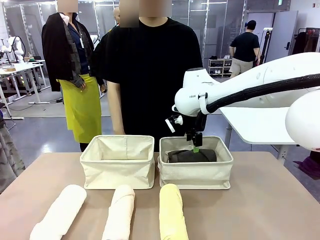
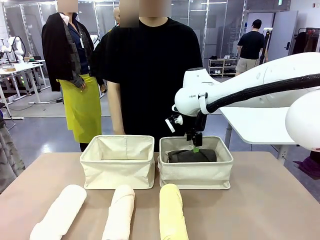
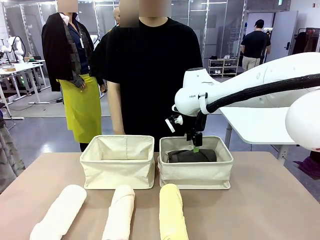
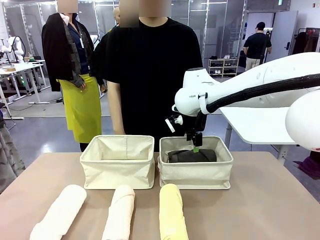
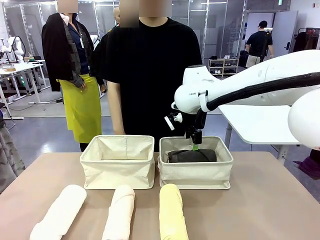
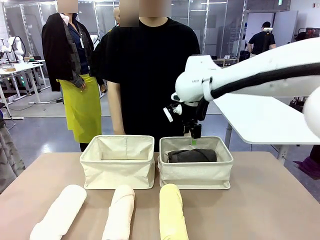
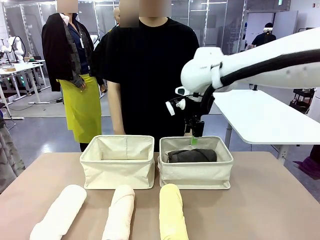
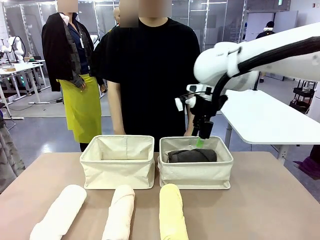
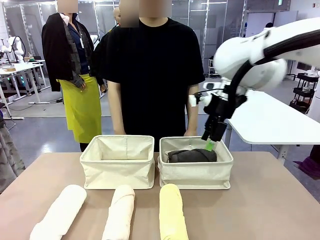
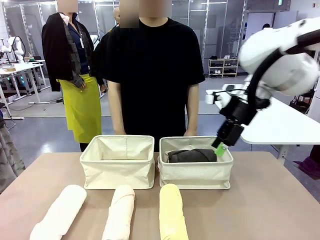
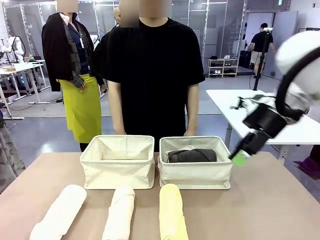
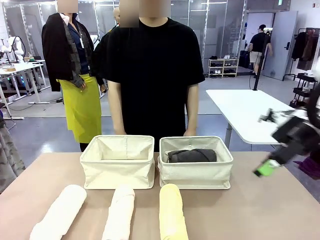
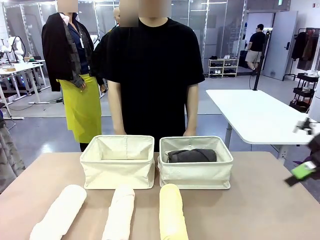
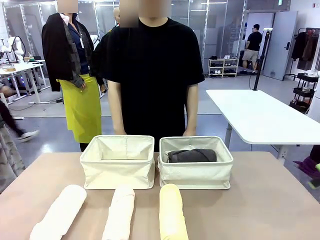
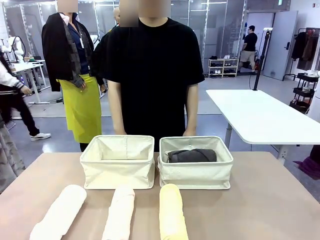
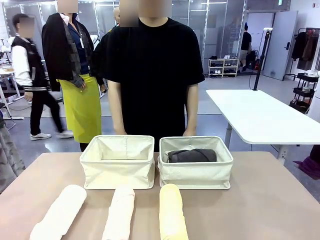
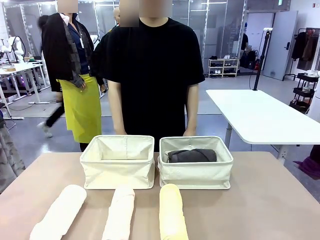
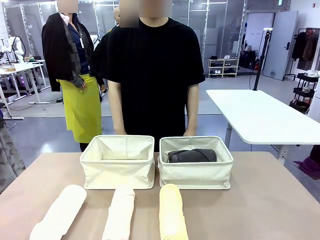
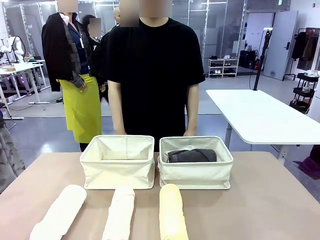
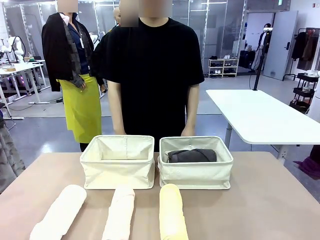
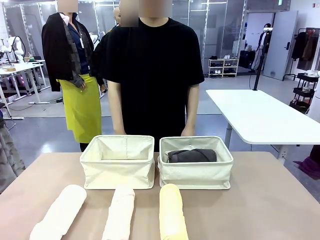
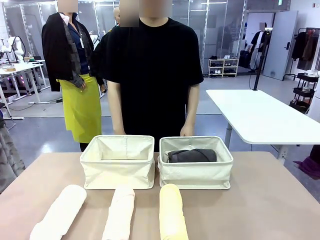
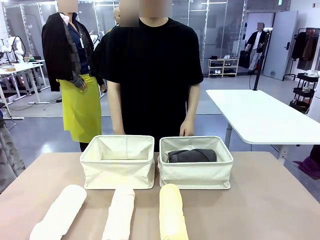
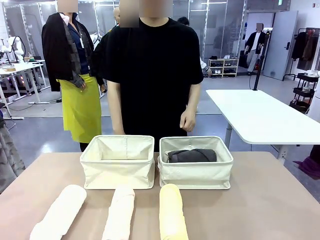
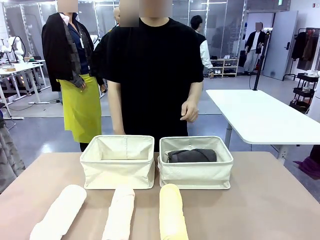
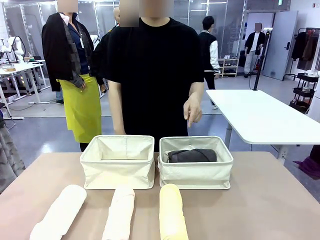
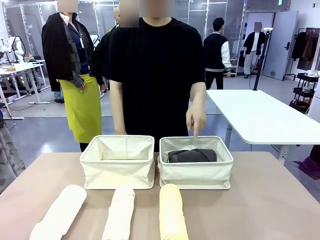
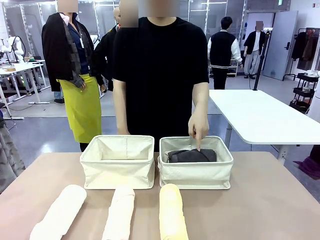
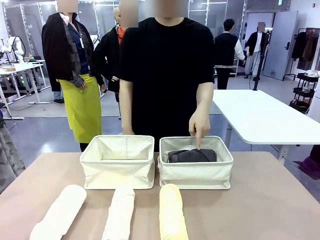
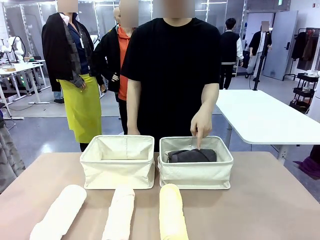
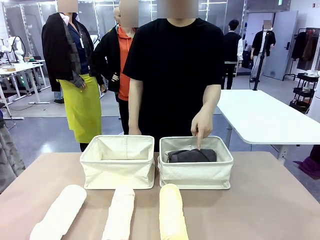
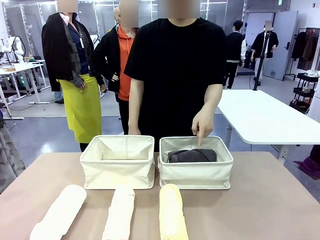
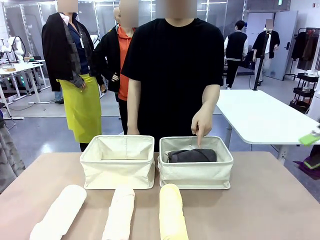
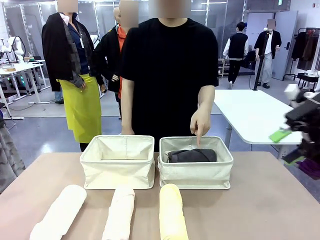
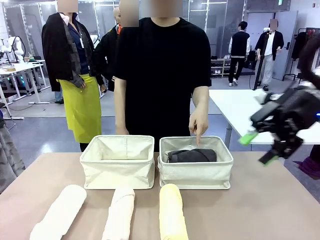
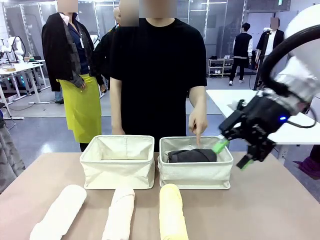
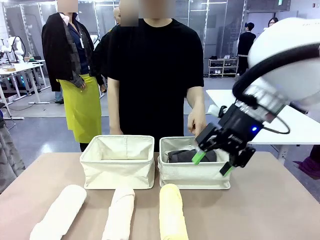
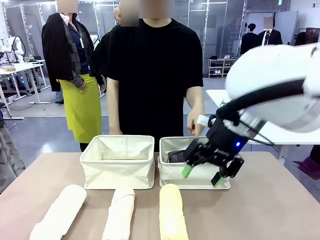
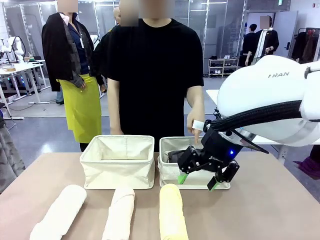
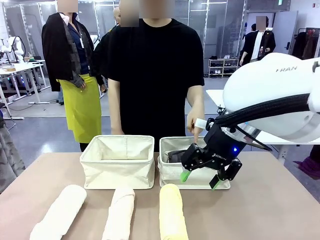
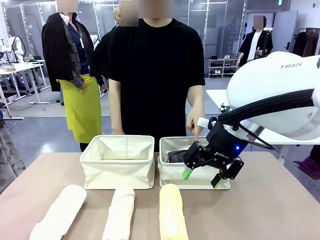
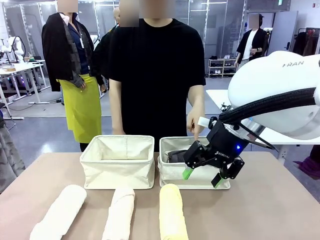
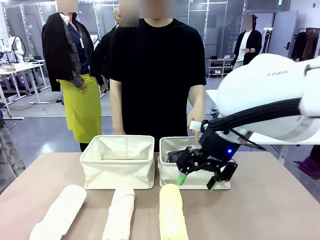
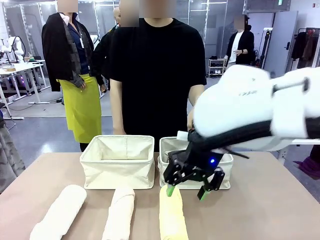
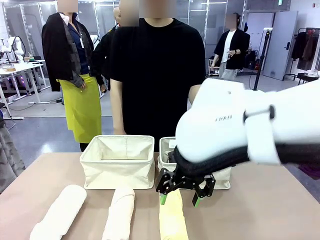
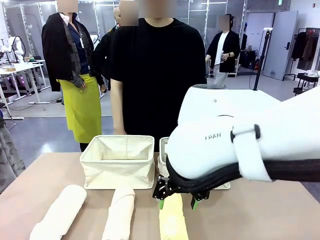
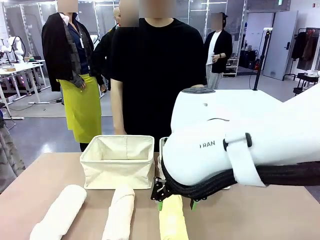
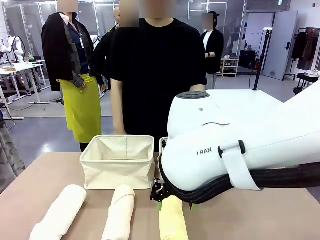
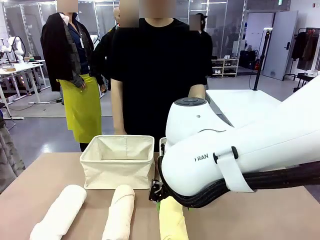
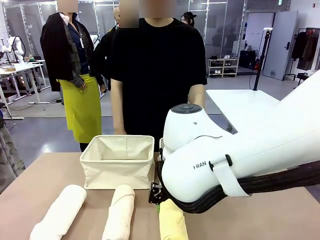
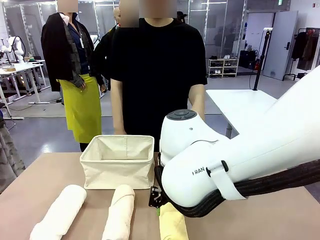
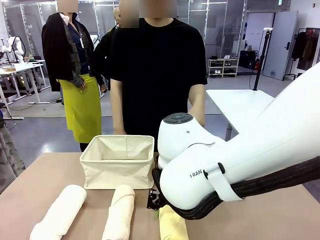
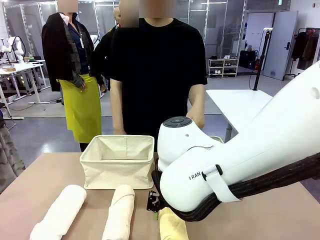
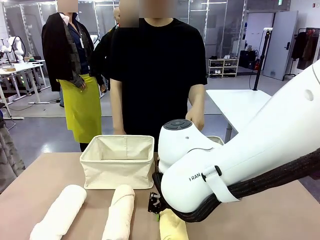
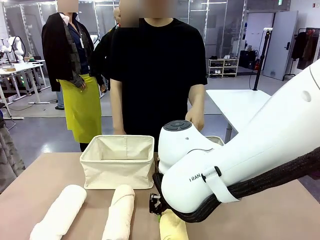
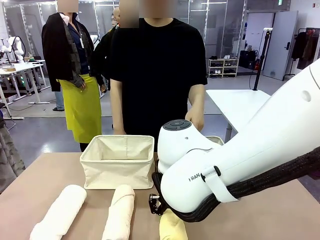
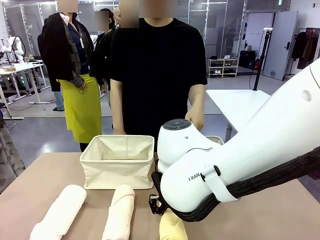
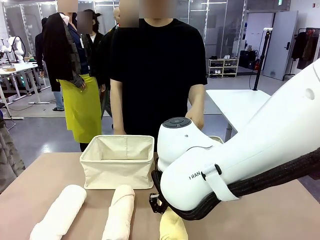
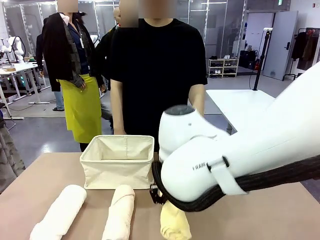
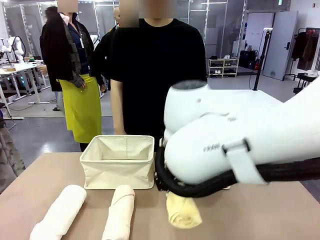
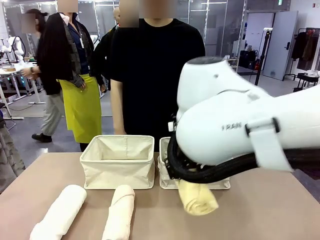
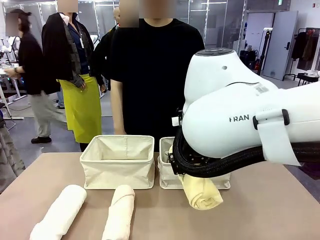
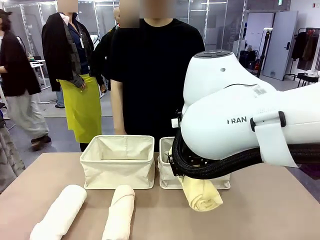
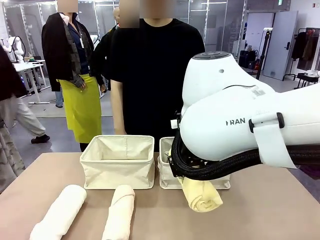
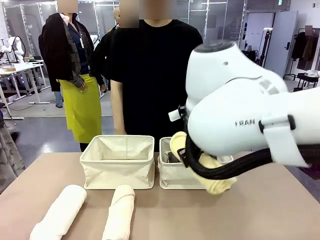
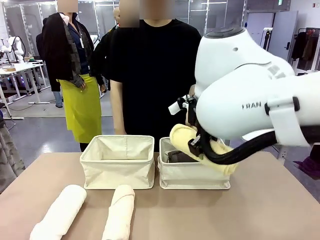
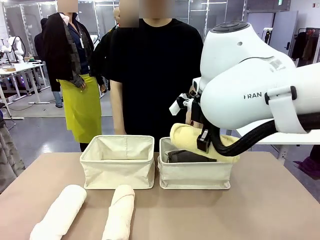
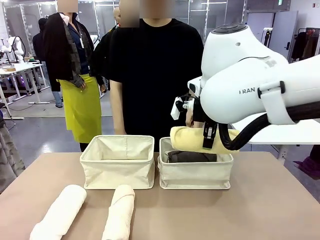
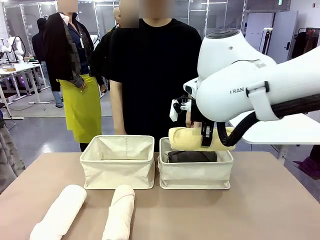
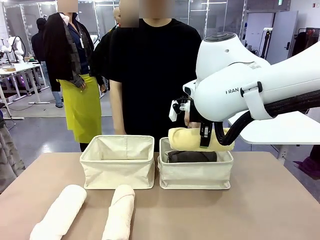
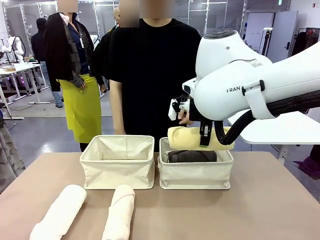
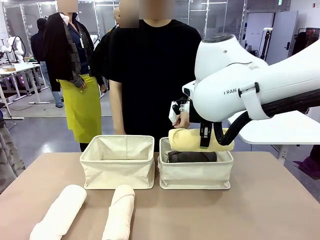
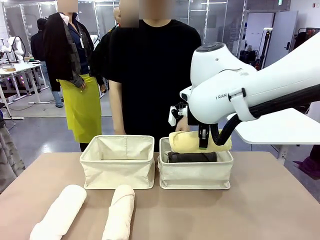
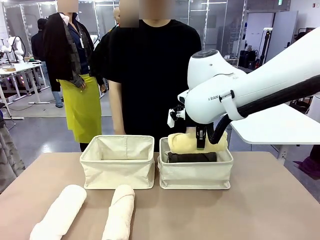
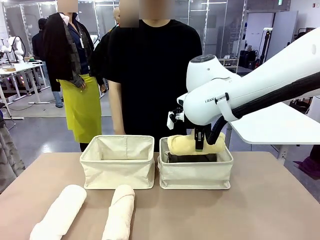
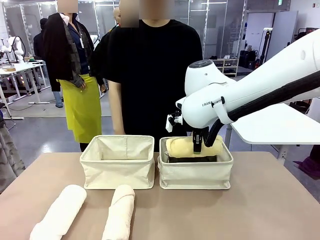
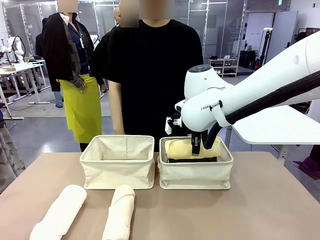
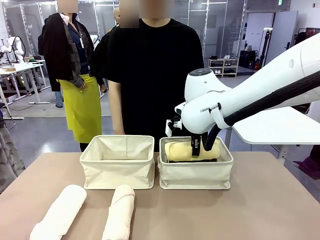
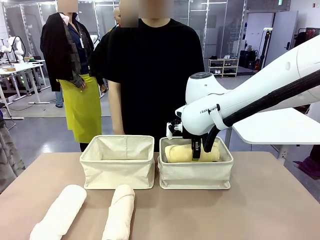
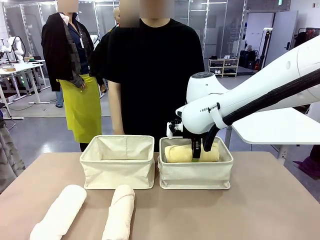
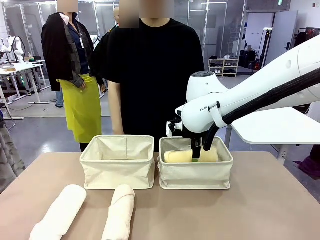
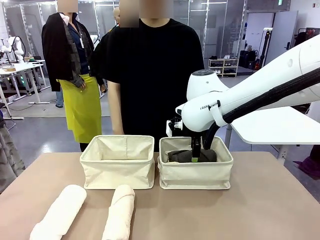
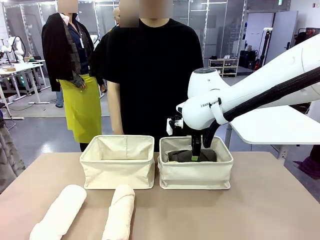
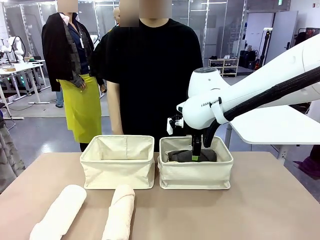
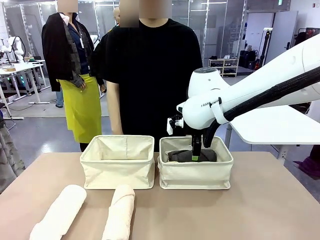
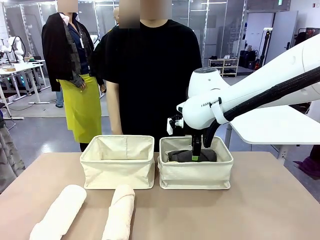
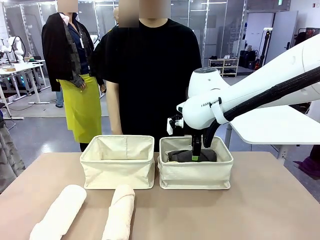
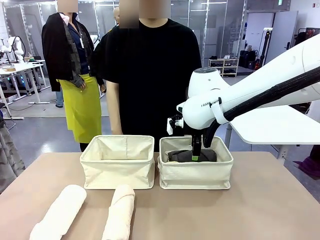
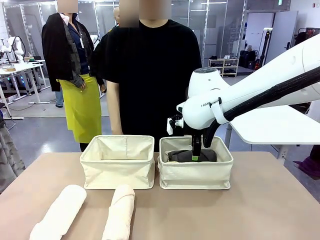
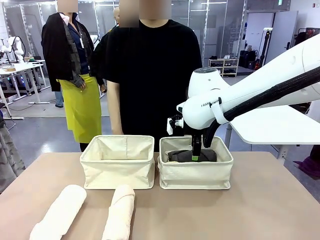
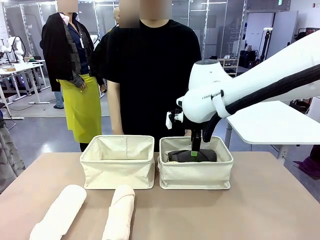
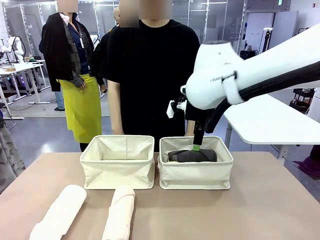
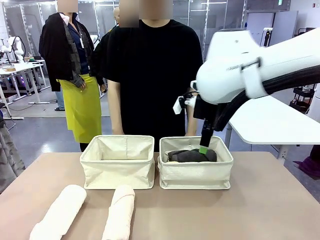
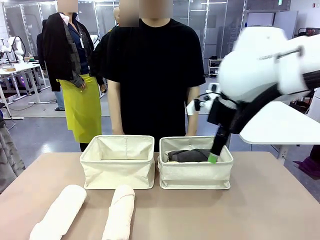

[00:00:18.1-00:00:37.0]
Task: Divide the towels into two baskets.
Robot: Pick up one hotel-folded towel from the bottom of the table and place it in the Fabric basket indicated by the person.
